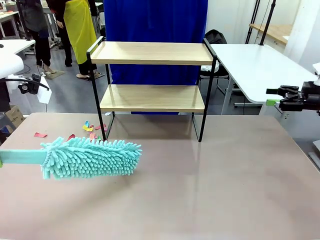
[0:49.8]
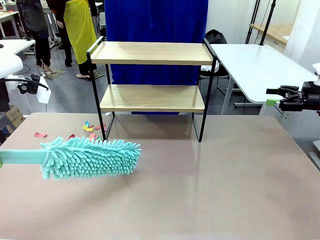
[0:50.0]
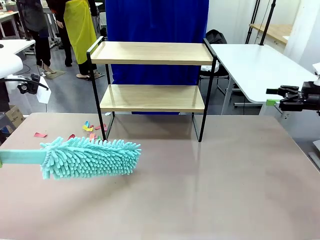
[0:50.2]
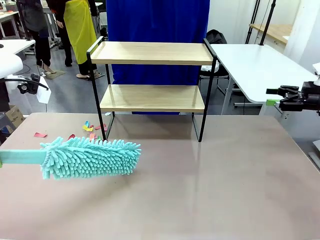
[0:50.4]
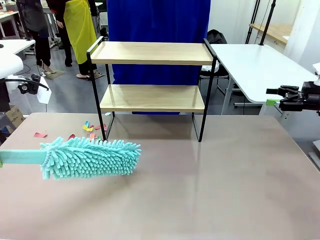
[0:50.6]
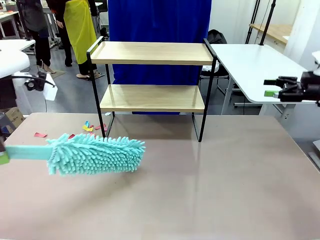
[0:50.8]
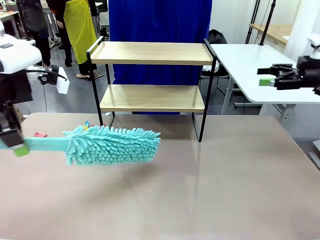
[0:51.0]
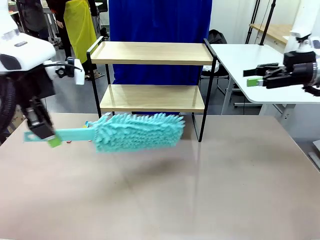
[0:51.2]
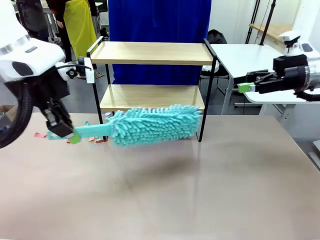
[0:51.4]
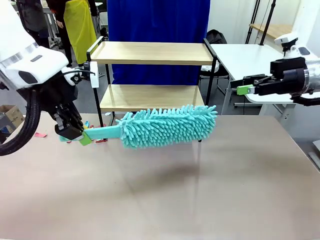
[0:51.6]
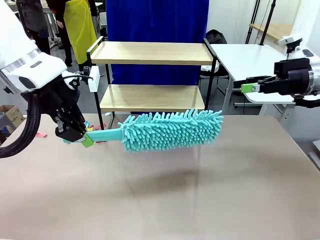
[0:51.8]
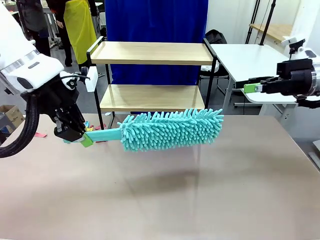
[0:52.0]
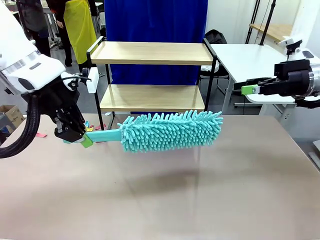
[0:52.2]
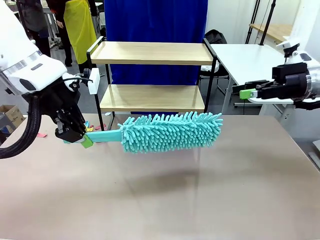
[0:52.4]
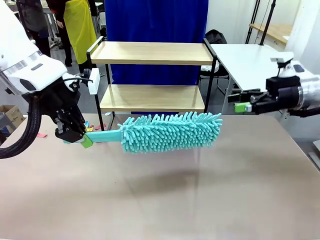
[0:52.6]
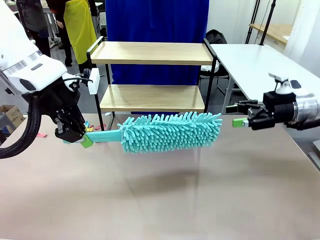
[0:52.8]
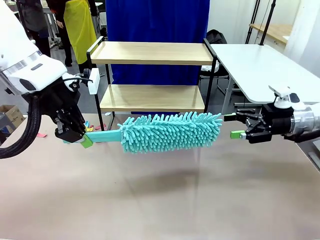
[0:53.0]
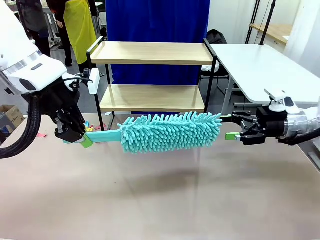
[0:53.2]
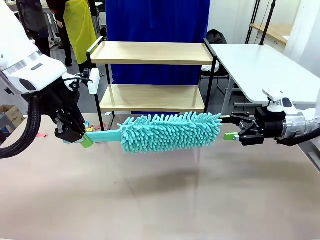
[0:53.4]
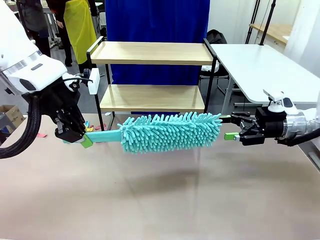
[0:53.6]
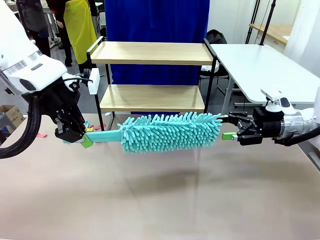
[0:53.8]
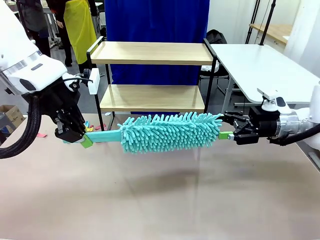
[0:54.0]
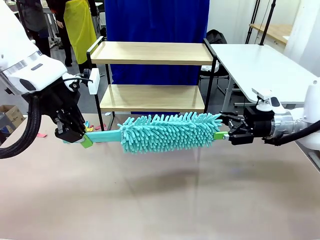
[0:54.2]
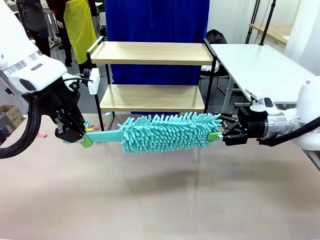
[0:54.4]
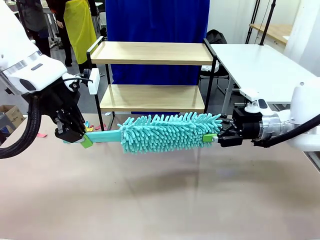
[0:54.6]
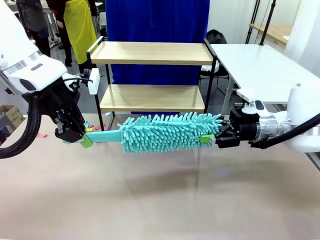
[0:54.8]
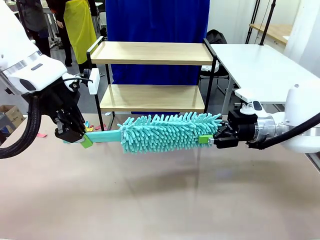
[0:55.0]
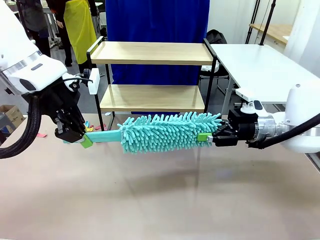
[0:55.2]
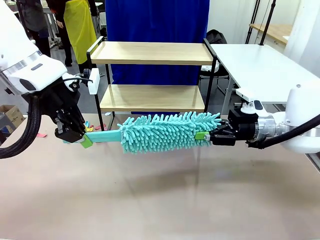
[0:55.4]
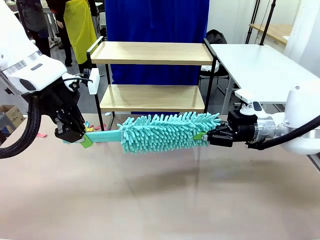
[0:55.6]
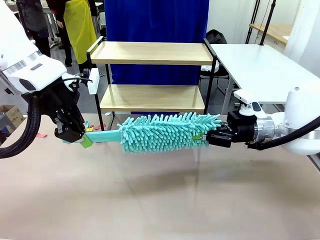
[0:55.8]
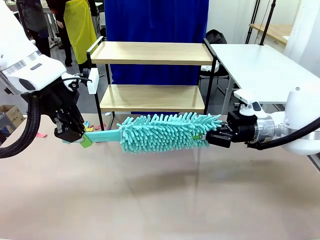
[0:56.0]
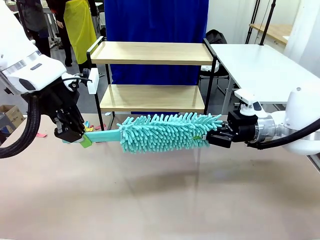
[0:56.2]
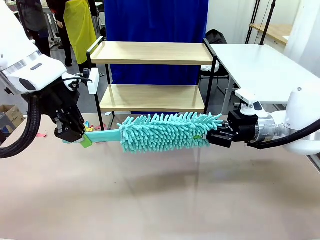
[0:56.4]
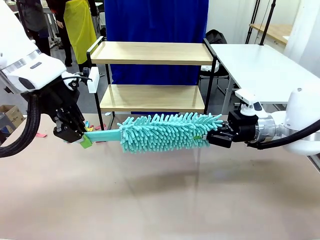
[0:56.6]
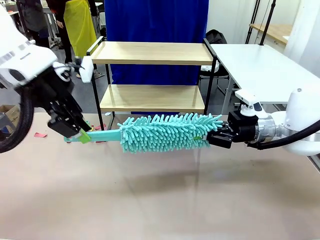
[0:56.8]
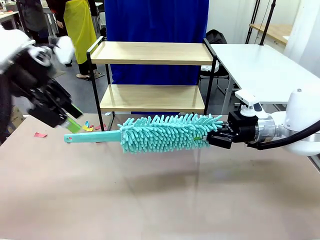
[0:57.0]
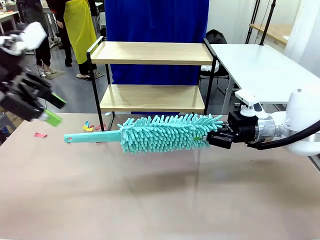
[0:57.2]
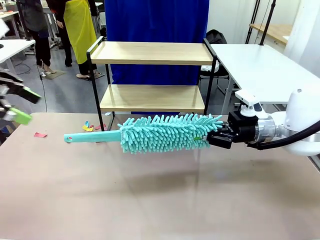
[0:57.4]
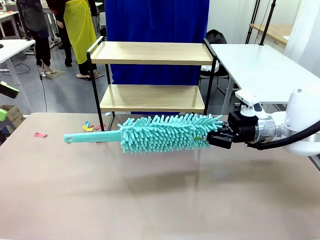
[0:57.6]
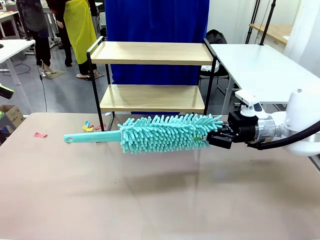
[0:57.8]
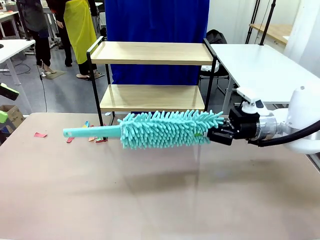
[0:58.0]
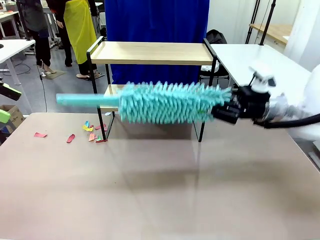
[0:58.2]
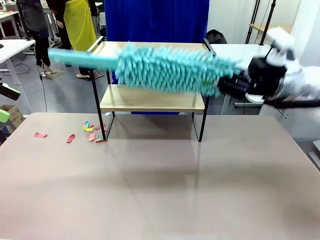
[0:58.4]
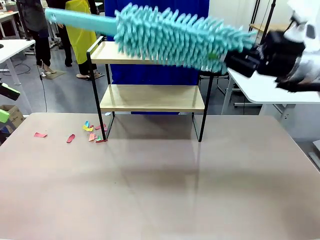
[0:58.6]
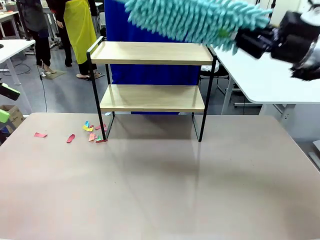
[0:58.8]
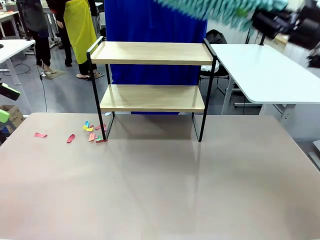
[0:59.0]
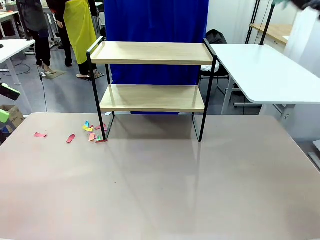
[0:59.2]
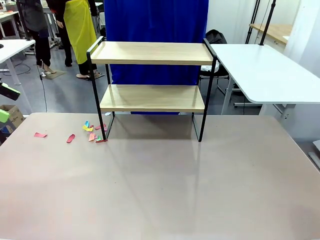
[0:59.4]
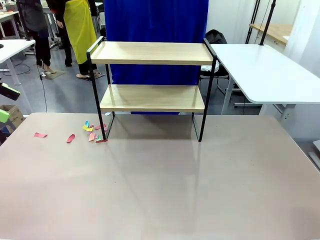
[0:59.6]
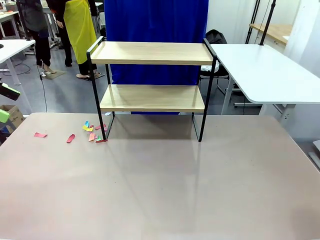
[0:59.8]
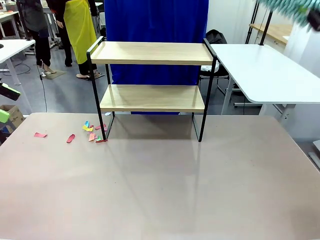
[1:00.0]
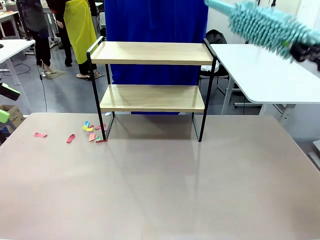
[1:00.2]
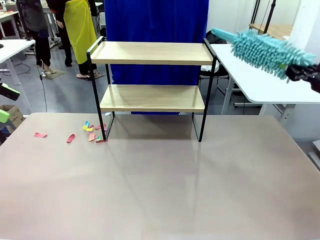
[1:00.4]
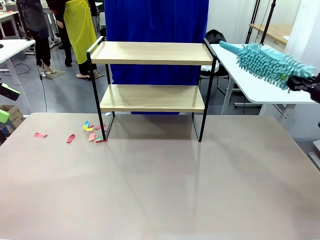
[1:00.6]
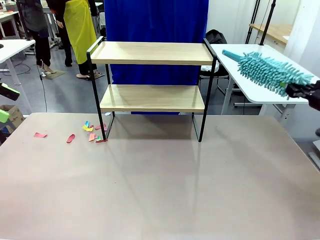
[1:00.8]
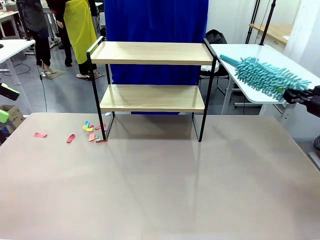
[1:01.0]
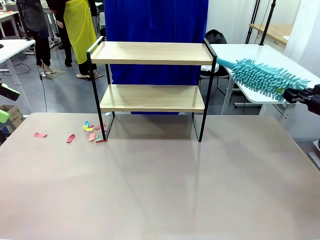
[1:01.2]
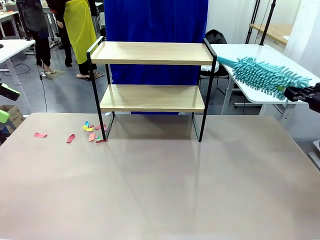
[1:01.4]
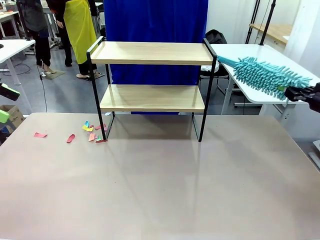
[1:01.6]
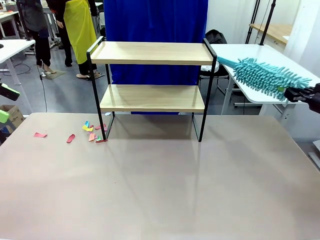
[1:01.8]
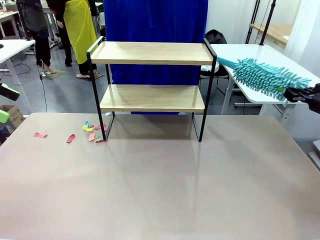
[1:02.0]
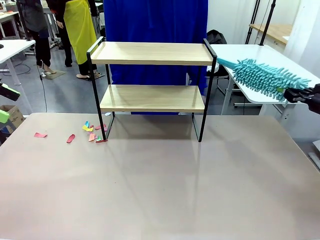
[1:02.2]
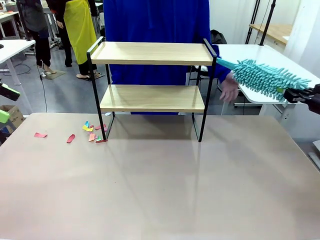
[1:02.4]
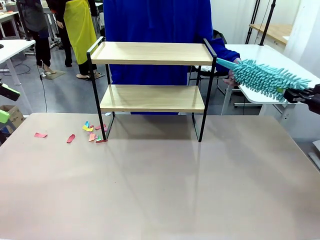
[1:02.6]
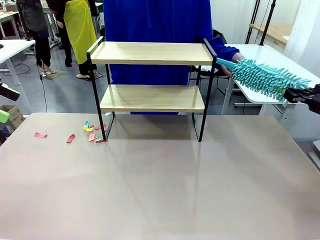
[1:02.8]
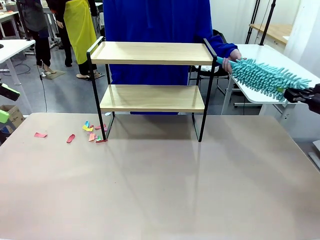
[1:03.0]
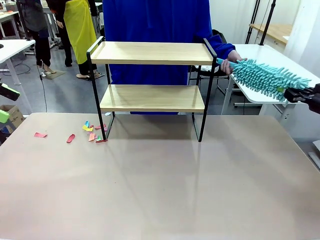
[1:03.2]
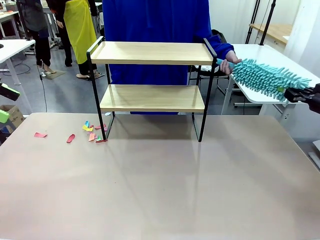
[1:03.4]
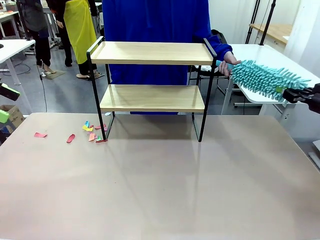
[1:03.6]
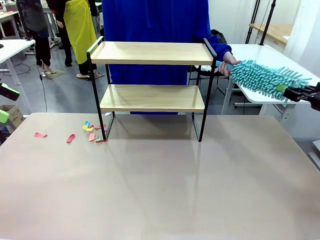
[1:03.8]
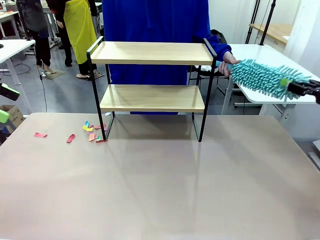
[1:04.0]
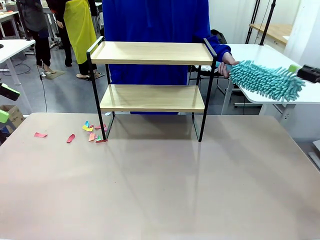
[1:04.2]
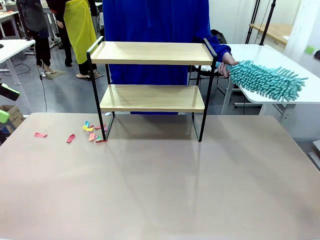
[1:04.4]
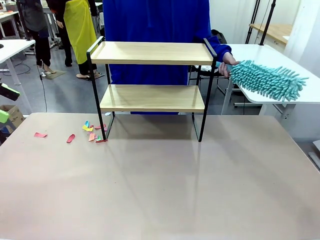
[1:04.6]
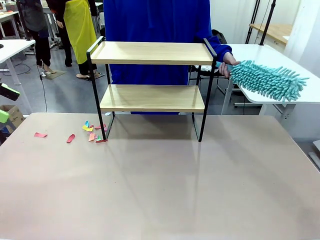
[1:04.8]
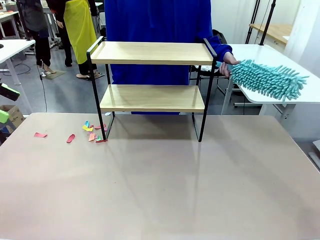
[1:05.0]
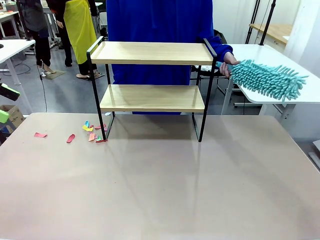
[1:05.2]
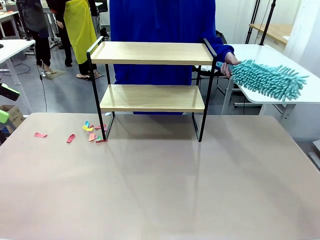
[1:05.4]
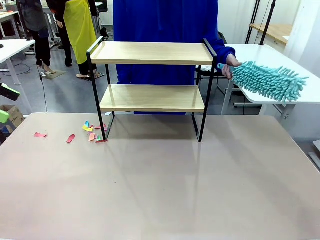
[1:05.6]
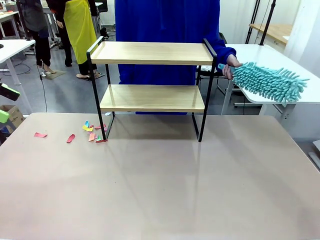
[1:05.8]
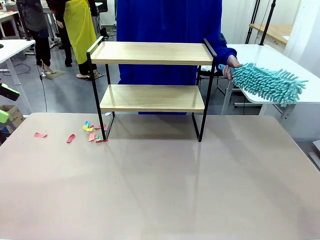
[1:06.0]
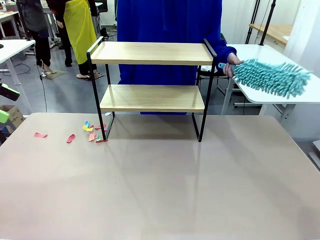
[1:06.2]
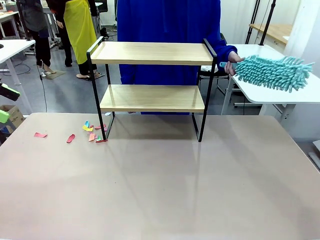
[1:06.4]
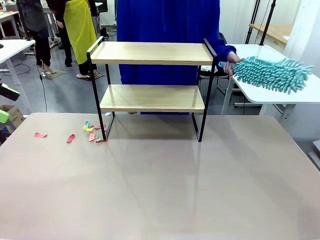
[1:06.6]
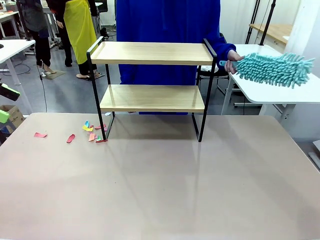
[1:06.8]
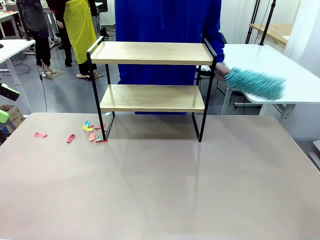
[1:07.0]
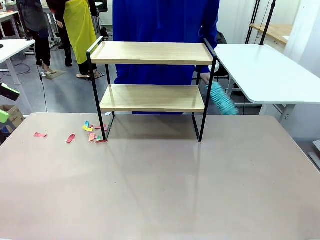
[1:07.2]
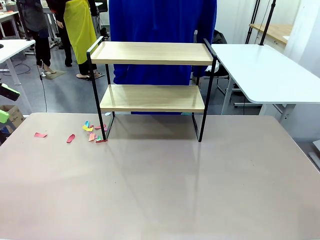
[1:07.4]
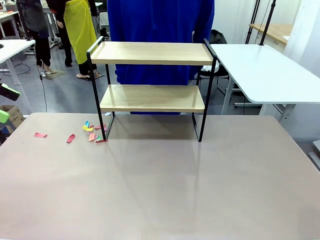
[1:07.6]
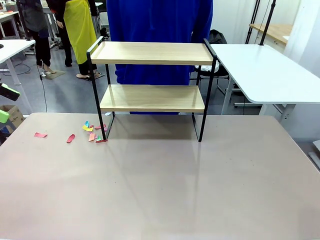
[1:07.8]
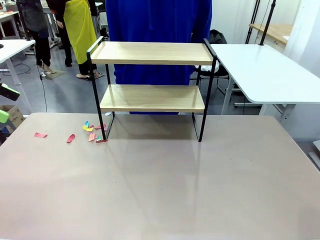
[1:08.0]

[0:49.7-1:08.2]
Task: Clean the shelf.
Robot: Hand the Duster back to the human.
Person: Receive the Duster from the robot.
